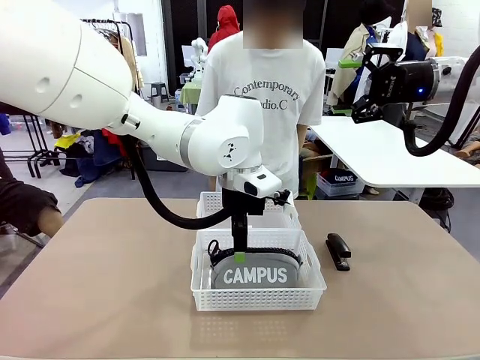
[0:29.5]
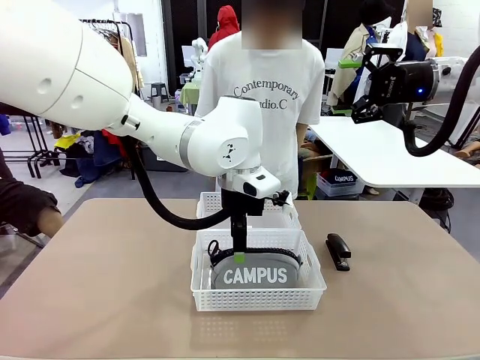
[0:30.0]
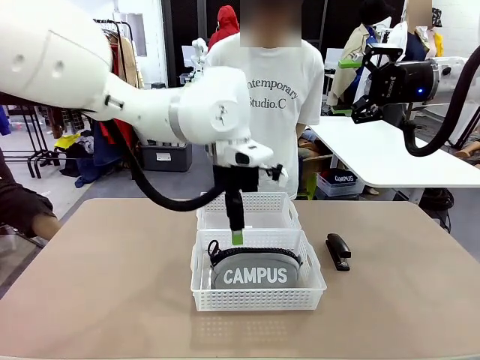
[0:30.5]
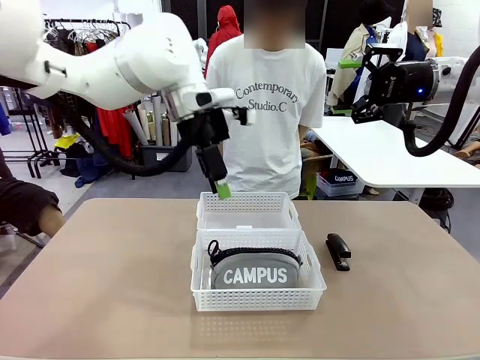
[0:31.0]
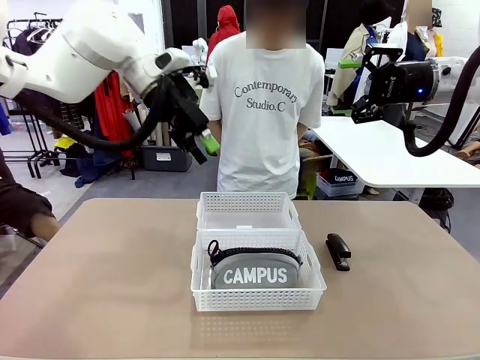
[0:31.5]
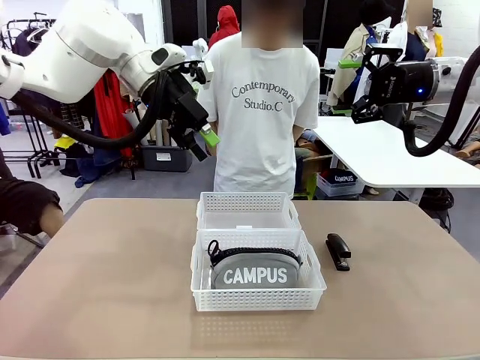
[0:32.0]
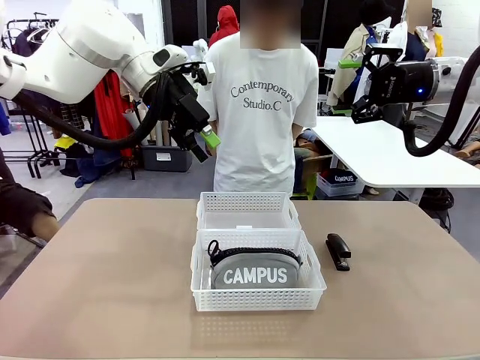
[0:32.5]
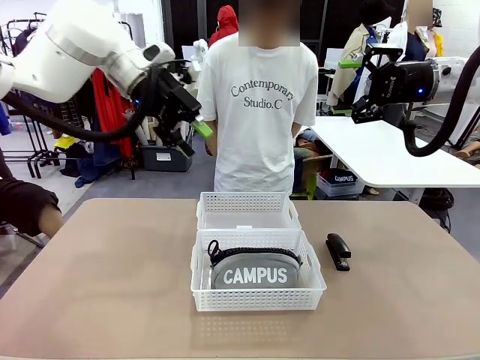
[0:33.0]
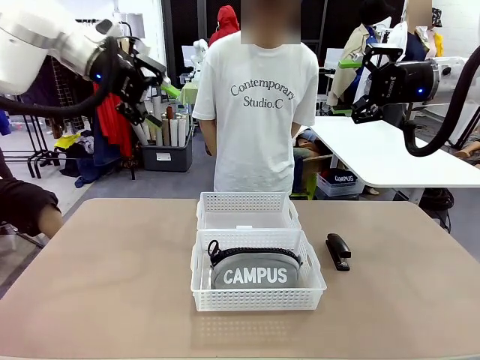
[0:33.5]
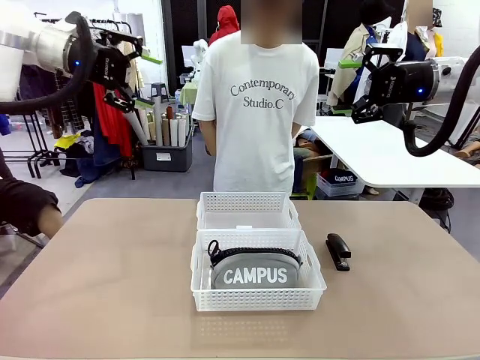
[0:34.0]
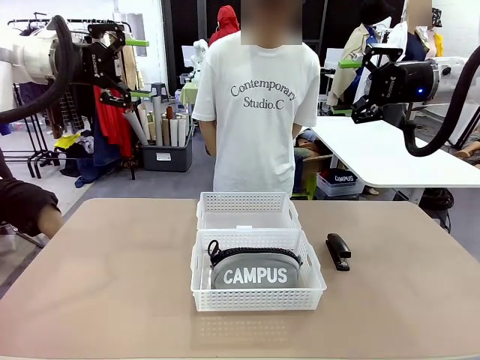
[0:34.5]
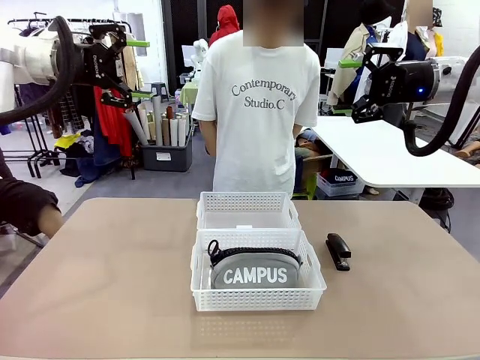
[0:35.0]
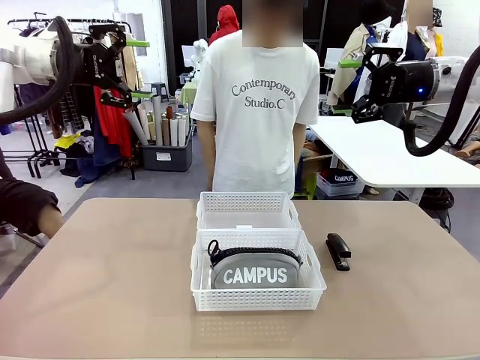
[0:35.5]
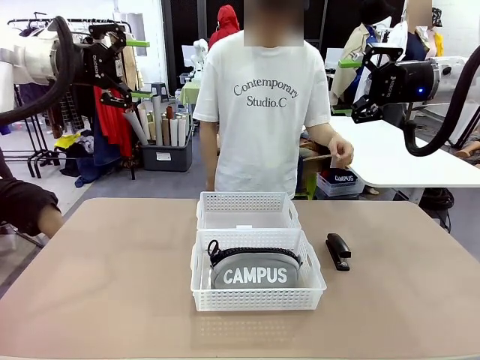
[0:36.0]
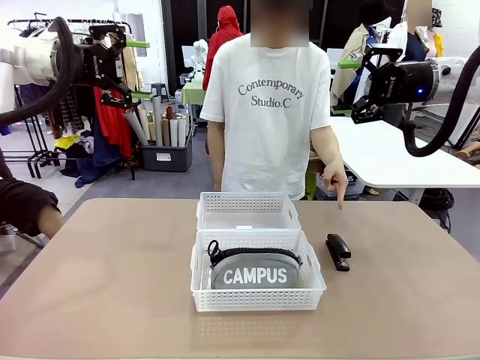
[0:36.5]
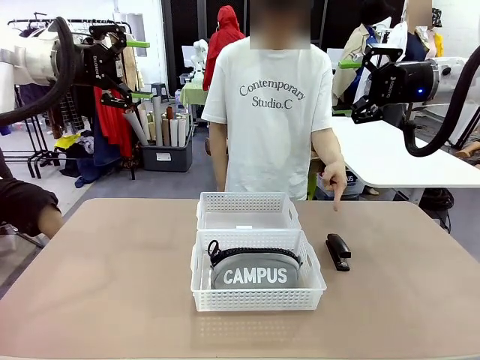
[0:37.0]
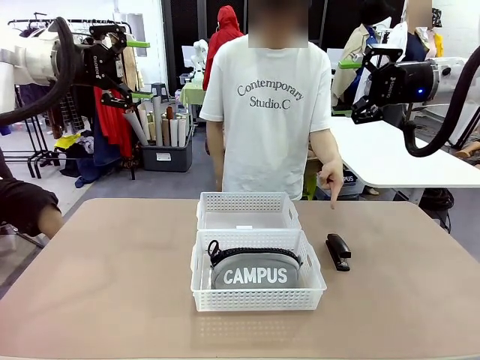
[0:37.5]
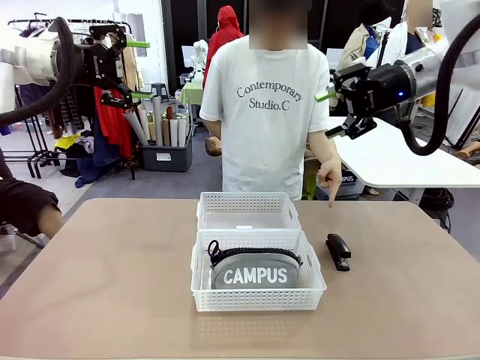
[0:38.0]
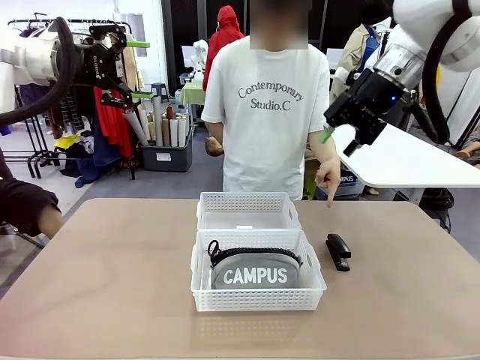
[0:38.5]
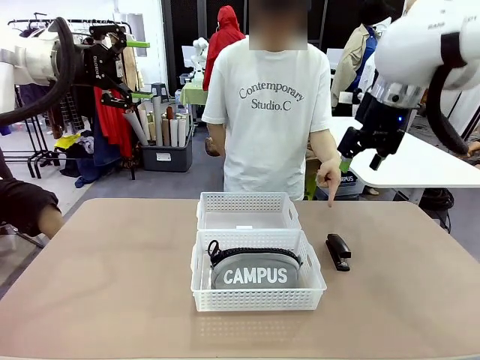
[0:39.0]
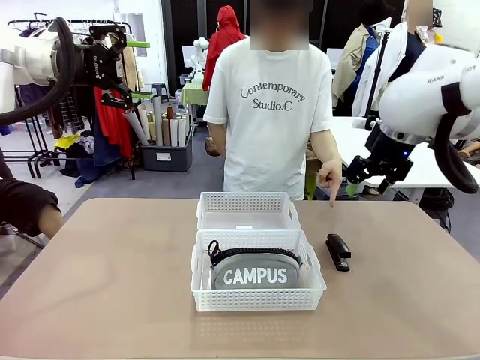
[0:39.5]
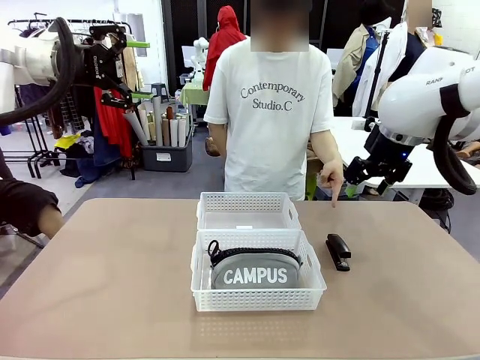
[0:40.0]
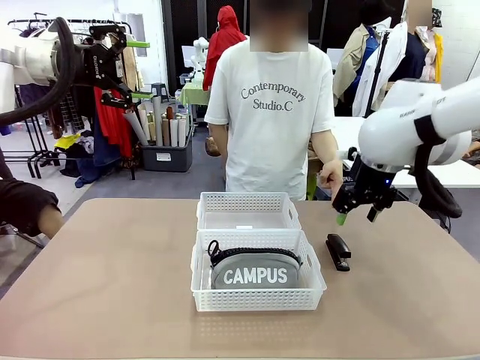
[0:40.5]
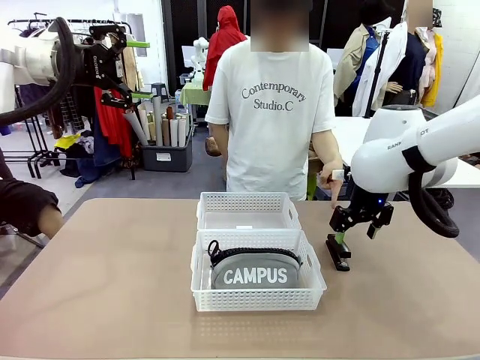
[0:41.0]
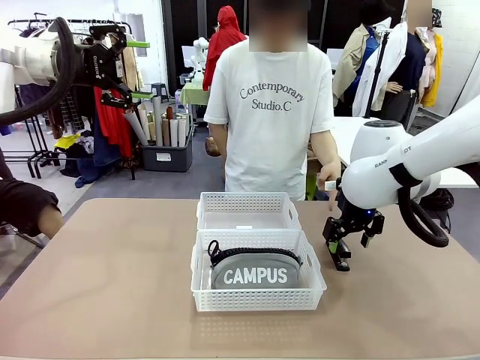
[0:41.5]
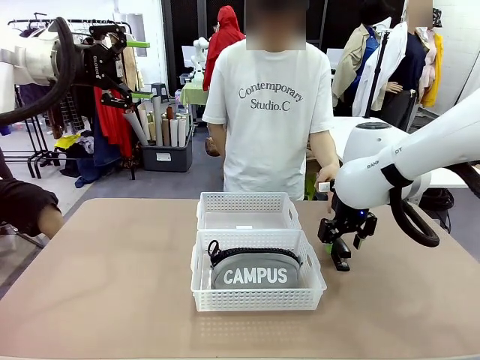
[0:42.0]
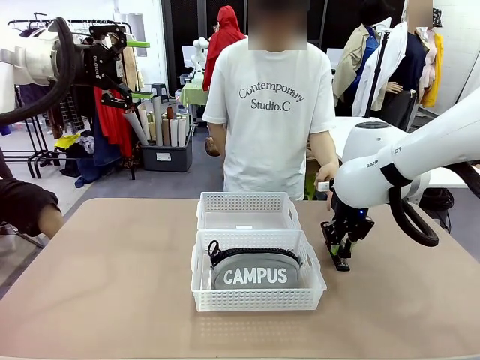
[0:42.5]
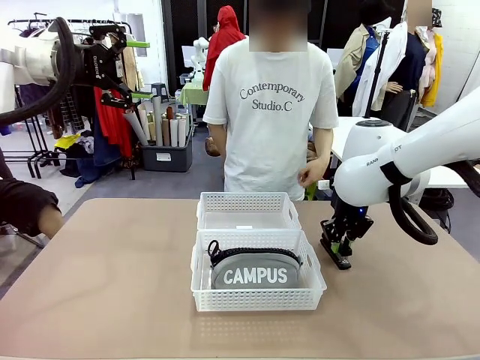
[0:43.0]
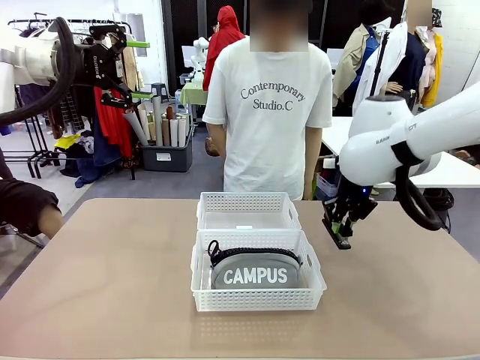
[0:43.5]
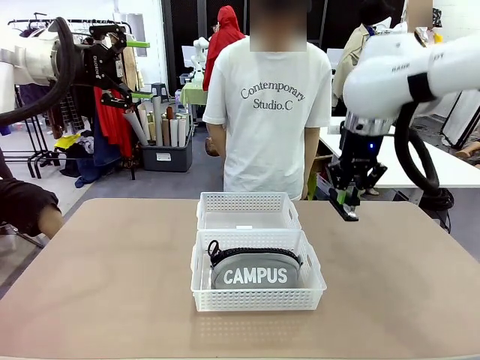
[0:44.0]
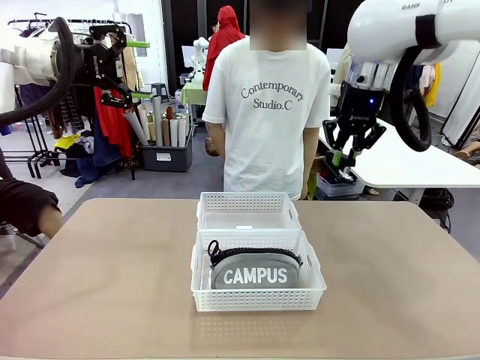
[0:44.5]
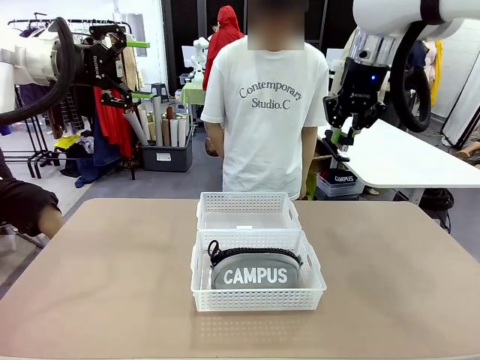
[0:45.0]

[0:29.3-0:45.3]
Task: Distribute items into two baskets.
Robot: Pick up the Stapler that the person points to.
Person: Points to the stapler.

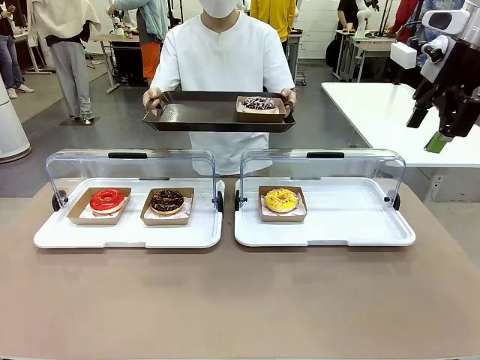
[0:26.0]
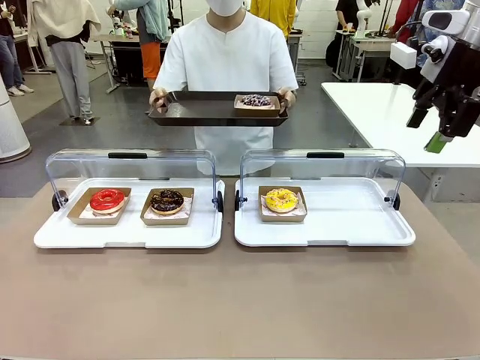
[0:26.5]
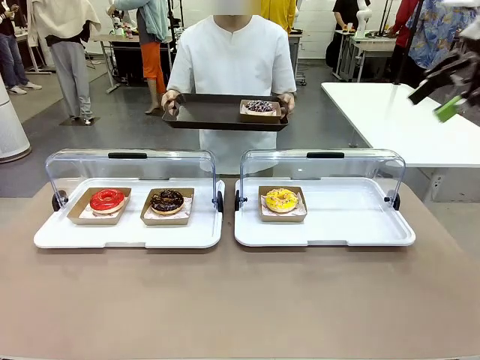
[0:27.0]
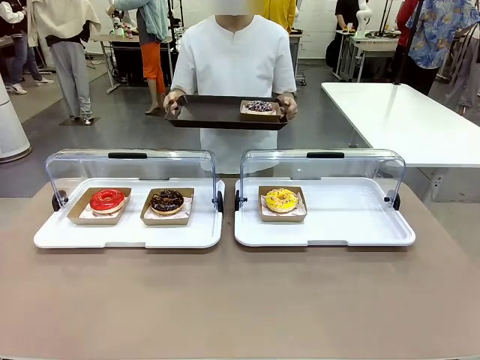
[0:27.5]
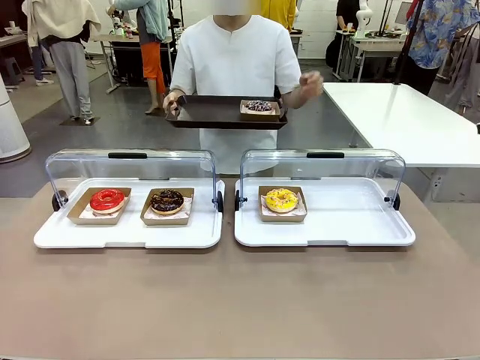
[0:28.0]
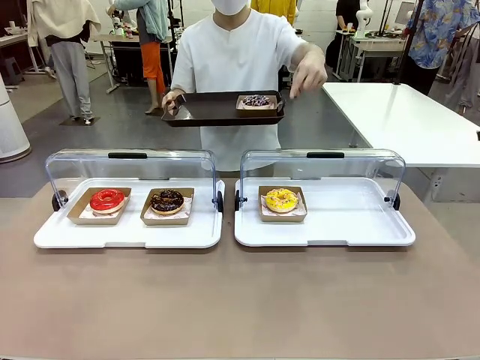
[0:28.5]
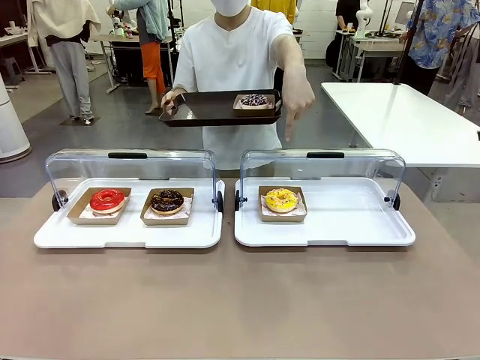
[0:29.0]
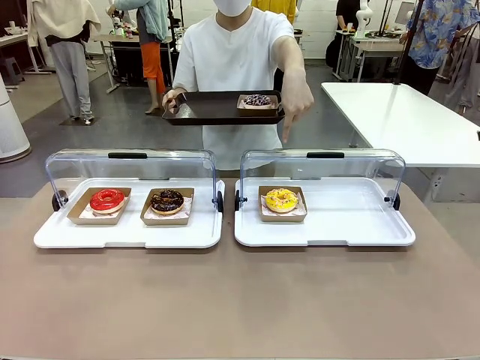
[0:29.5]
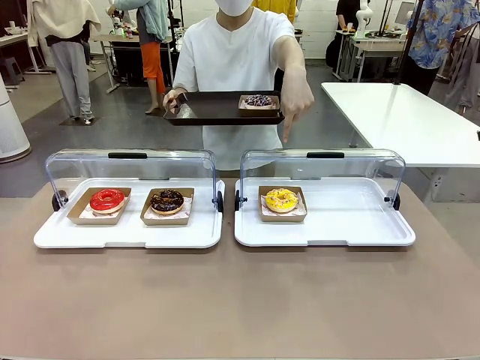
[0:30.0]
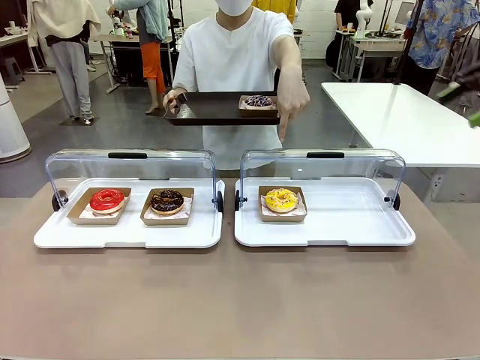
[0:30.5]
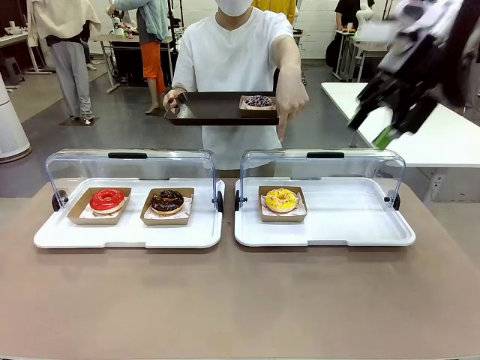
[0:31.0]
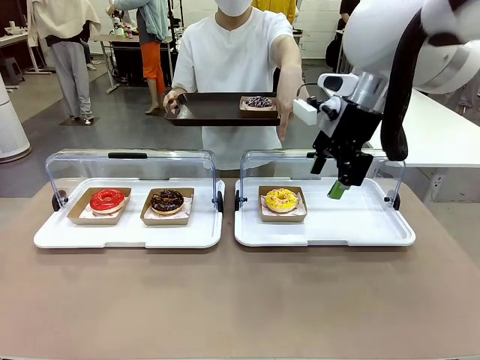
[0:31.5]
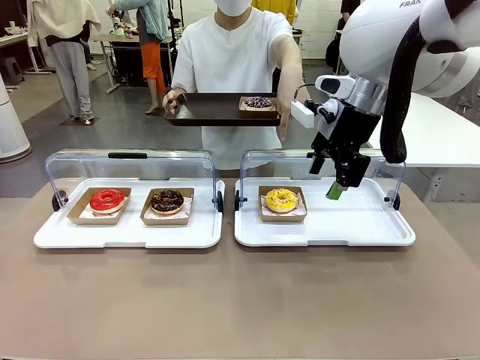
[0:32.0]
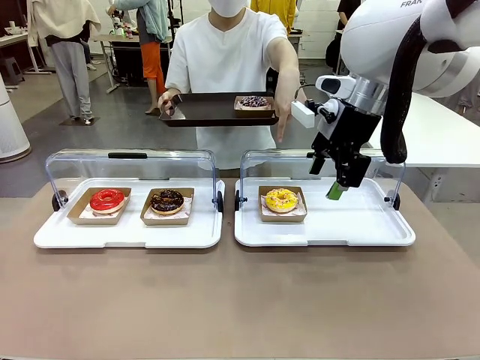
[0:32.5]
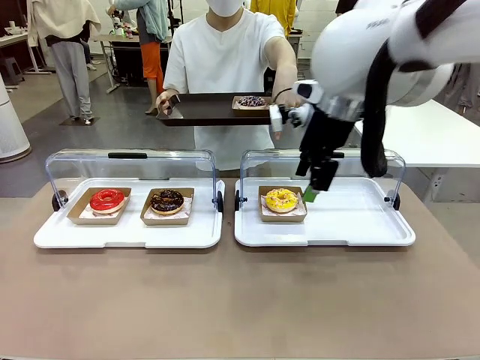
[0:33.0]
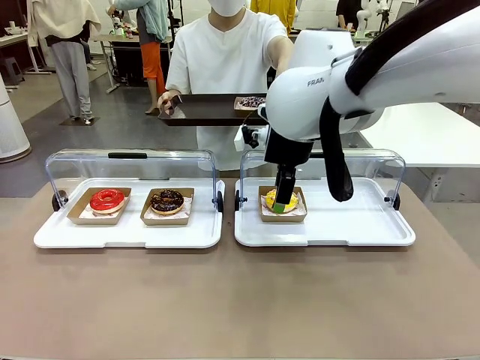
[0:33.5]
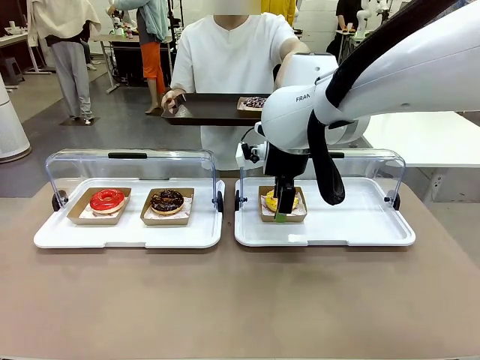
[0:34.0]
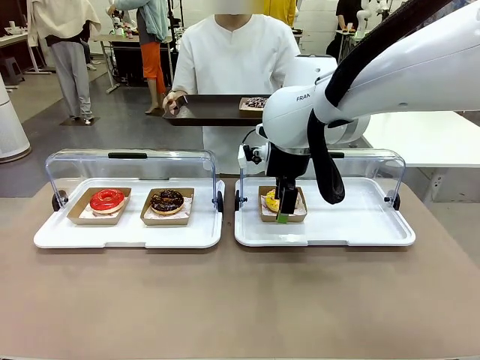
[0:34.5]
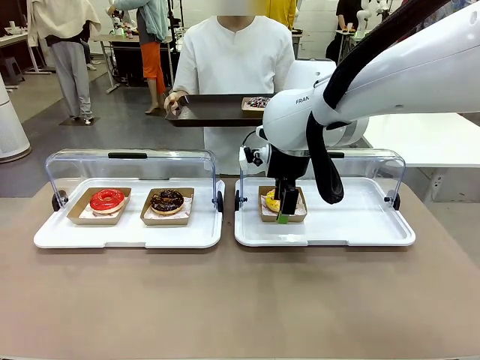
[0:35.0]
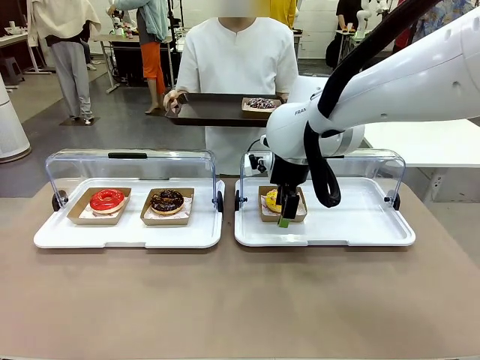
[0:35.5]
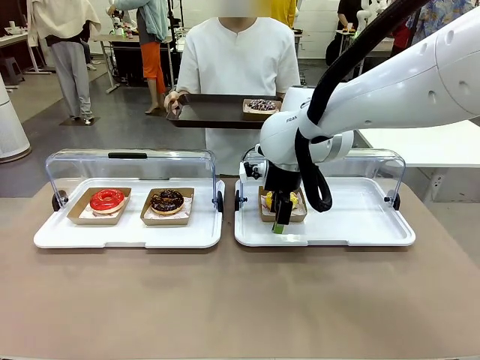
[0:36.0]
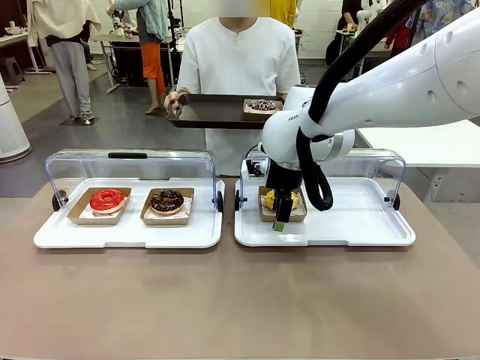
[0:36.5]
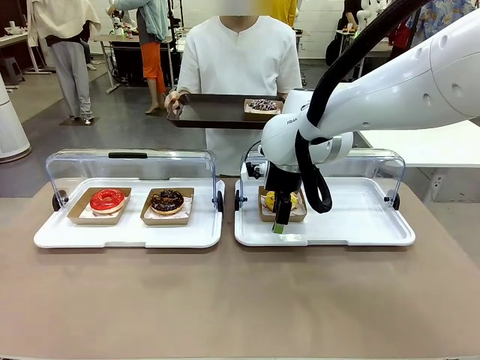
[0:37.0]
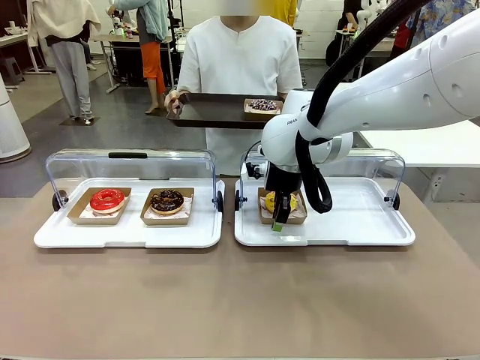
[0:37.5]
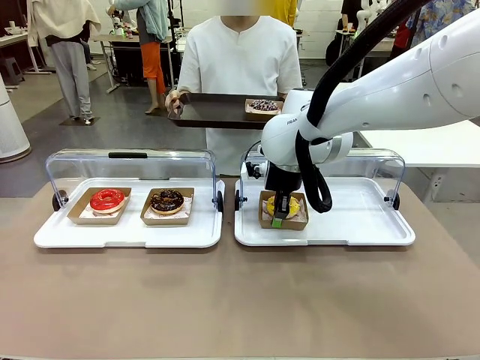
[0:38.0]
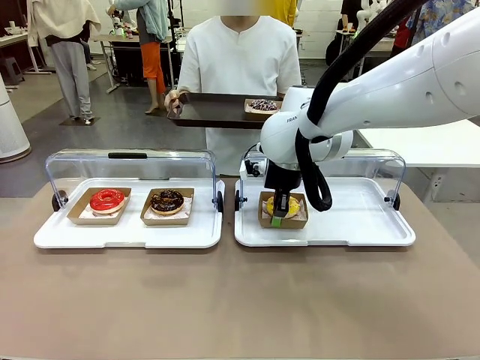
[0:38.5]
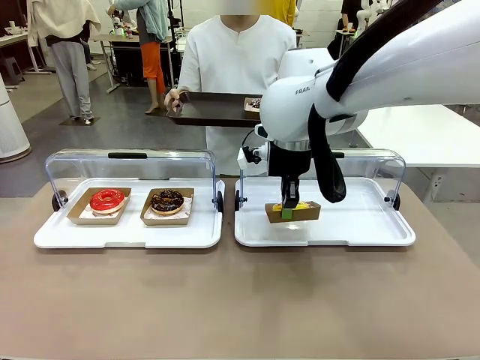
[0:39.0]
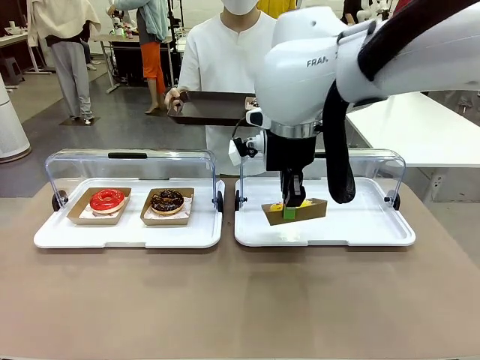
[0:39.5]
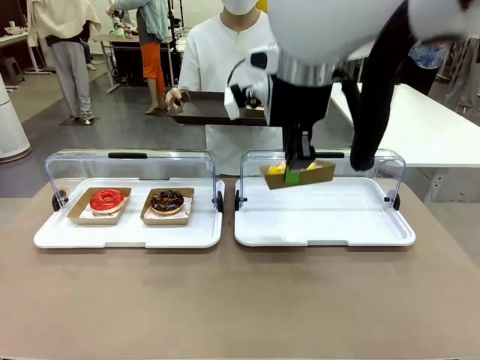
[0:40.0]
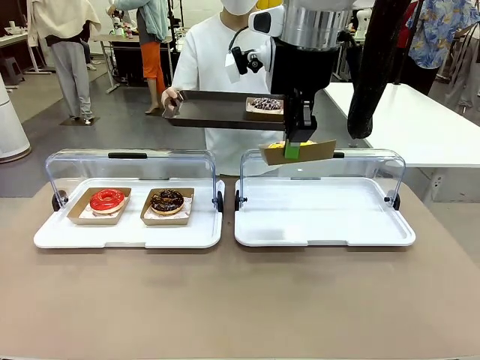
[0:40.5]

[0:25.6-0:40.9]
Task: Provide the desired donut to the person.
Robot: Pick up and lift the Paper togo box containing the Donut pointed at by the person.
Person: Point to one donut. Lift the tray onto the Roll-Top Bakery Case.
